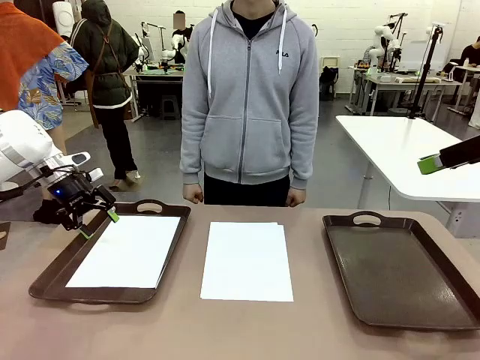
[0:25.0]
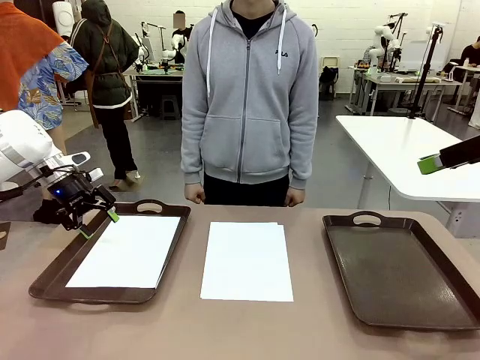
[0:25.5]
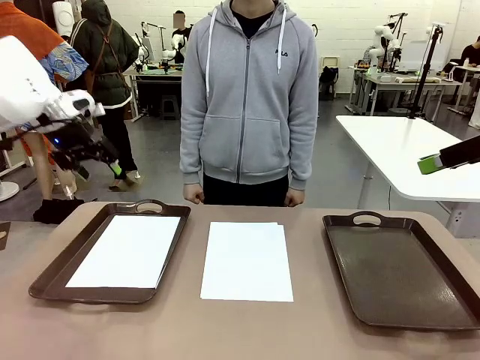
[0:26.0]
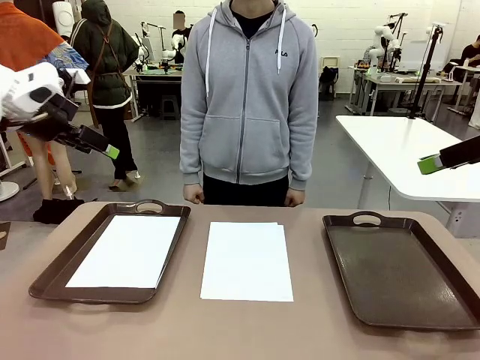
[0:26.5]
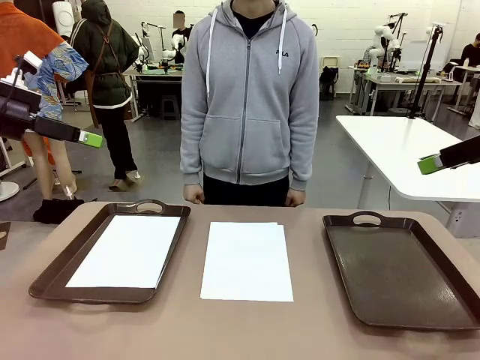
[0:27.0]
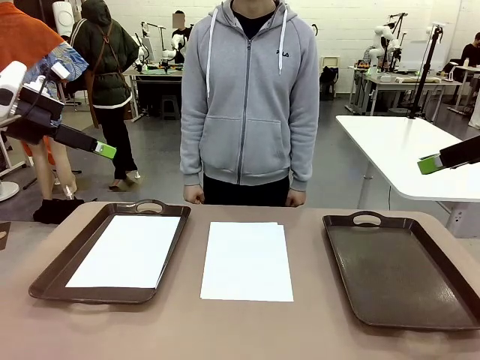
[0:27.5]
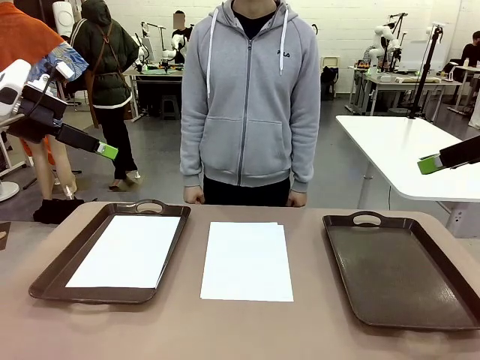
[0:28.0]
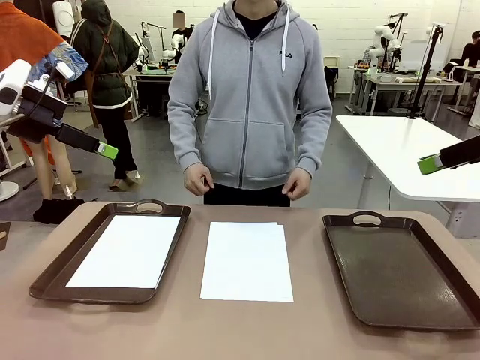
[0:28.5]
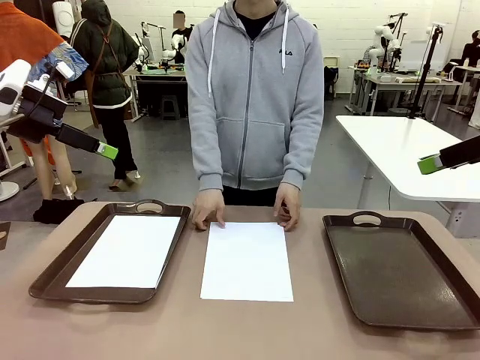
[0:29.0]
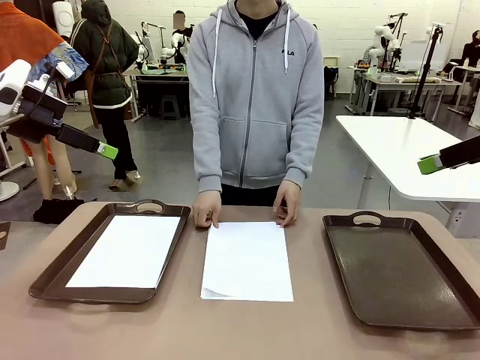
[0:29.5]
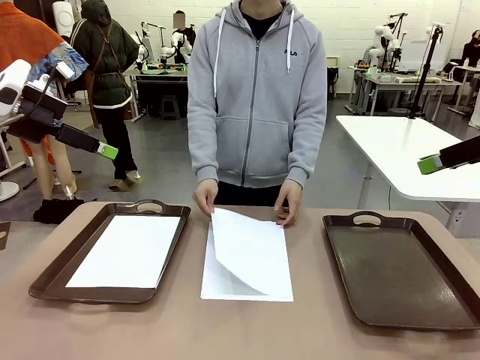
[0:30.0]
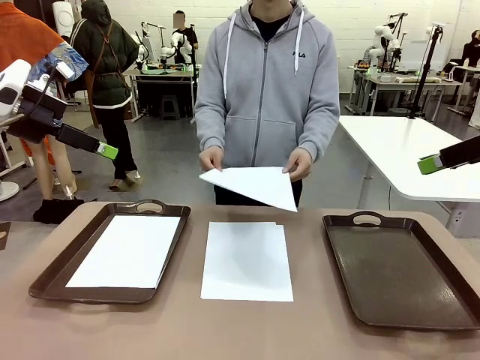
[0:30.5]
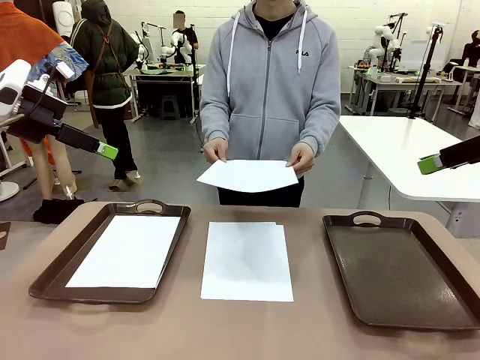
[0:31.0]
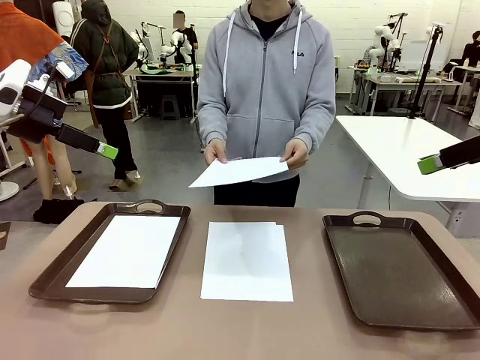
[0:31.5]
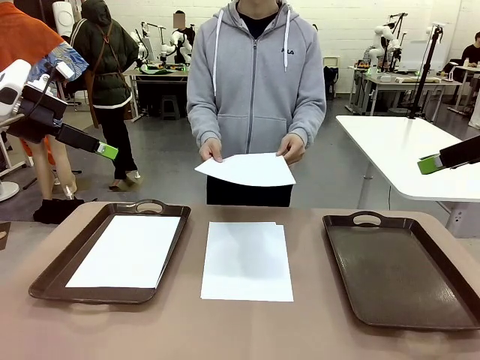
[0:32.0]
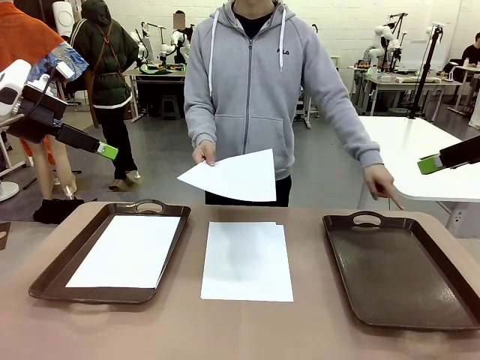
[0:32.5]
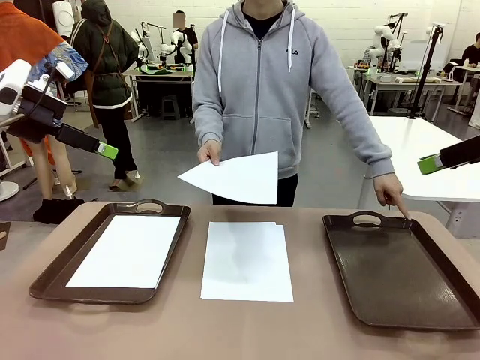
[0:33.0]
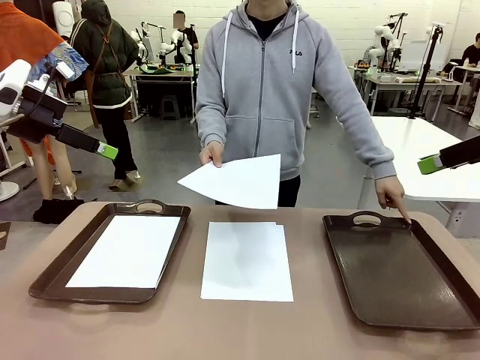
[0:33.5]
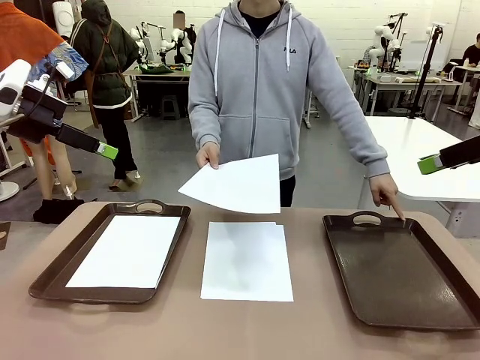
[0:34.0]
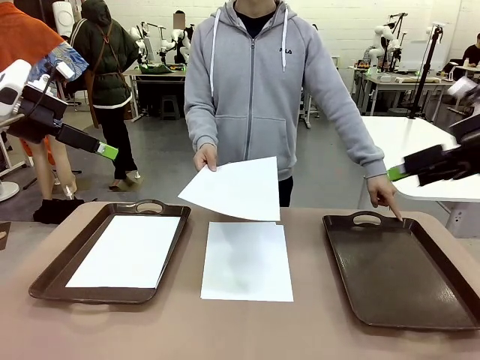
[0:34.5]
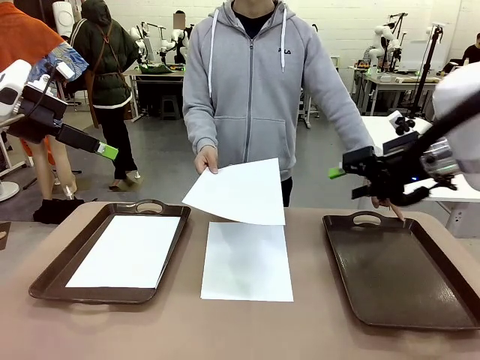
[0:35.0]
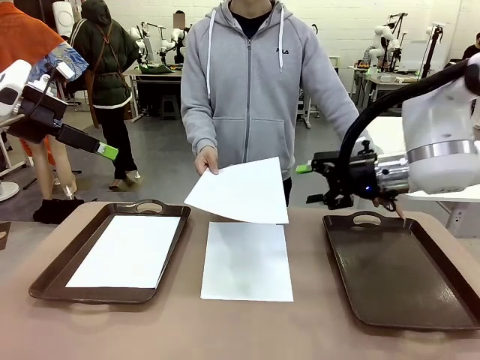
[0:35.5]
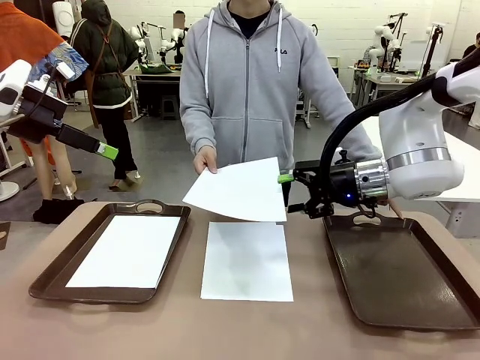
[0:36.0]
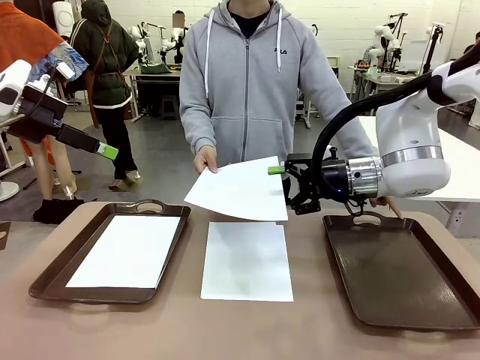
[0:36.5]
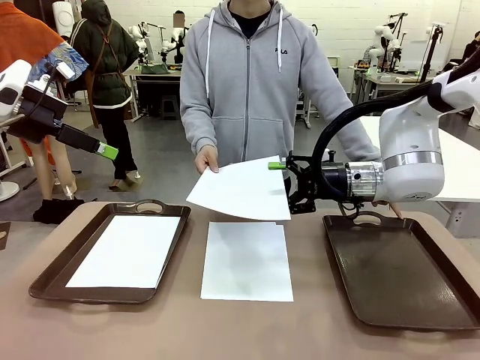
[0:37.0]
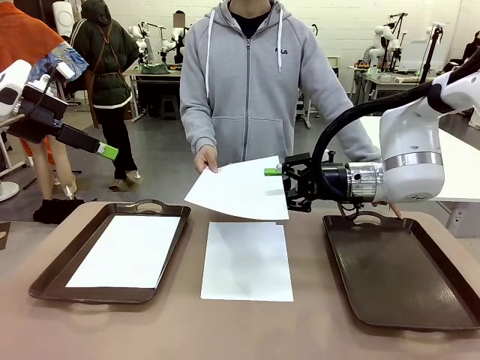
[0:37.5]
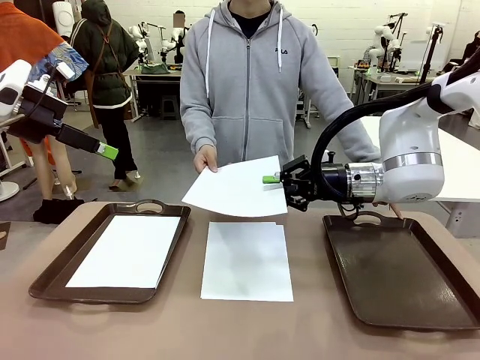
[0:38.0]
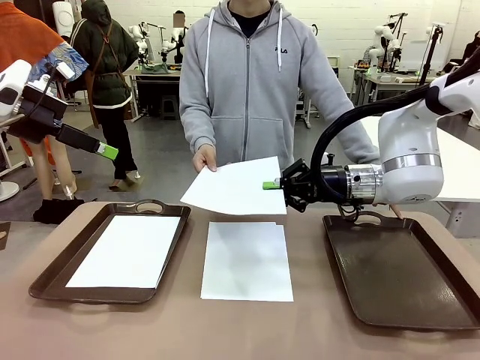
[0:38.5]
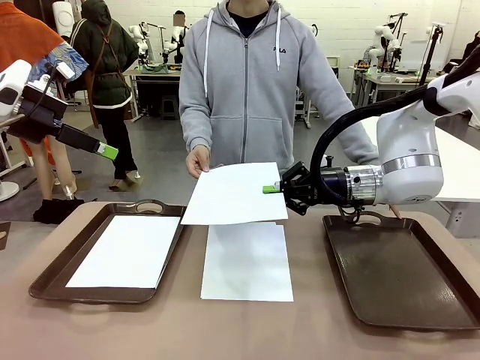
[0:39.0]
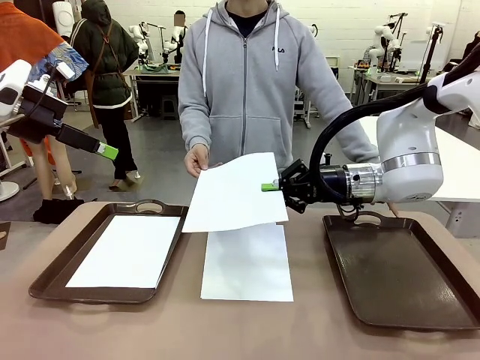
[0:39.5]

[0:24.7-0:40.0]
Task: Sort the A4 documents.
Robot: Receive the A4 Paper.
Person: Point the randomly selected tray with the other hand.

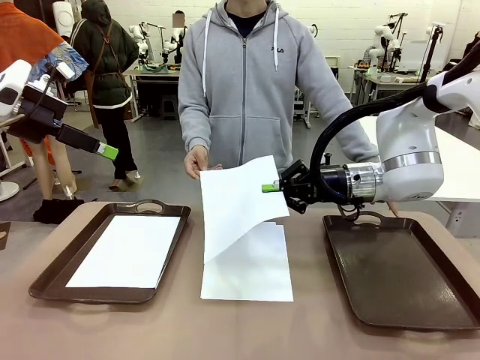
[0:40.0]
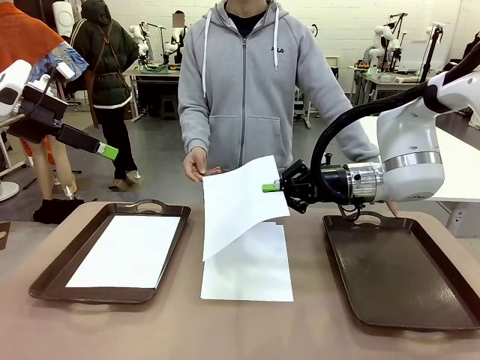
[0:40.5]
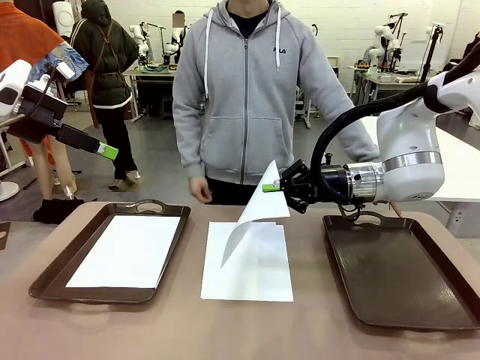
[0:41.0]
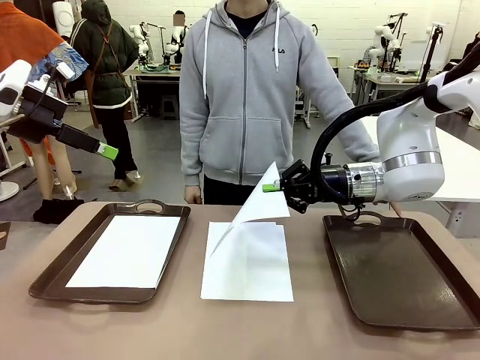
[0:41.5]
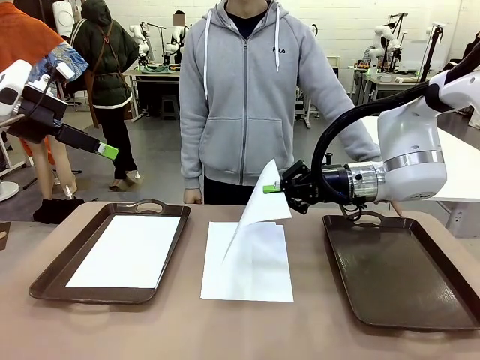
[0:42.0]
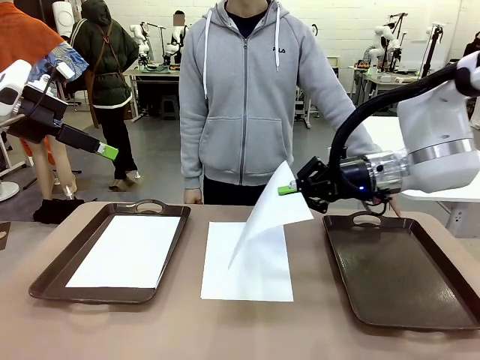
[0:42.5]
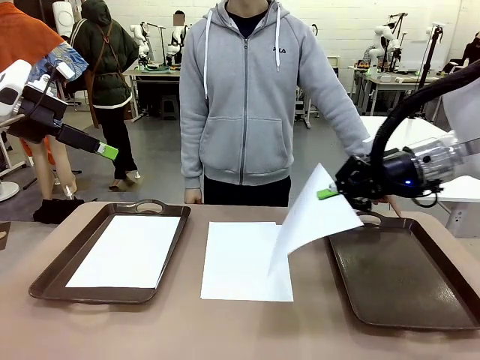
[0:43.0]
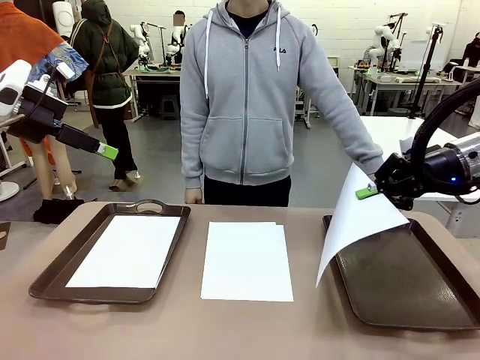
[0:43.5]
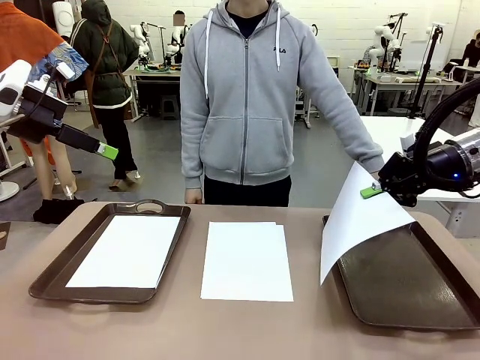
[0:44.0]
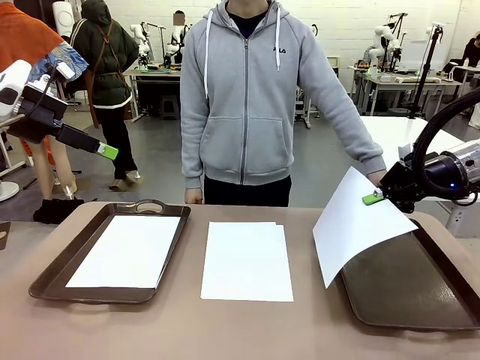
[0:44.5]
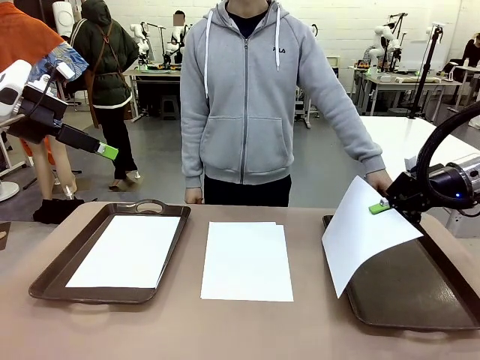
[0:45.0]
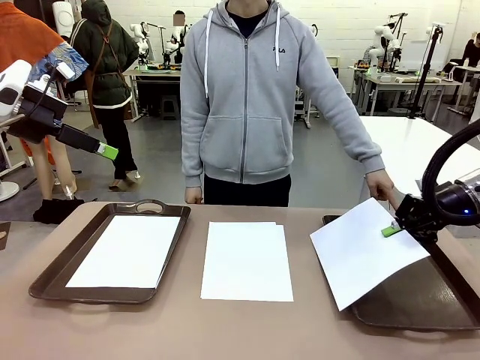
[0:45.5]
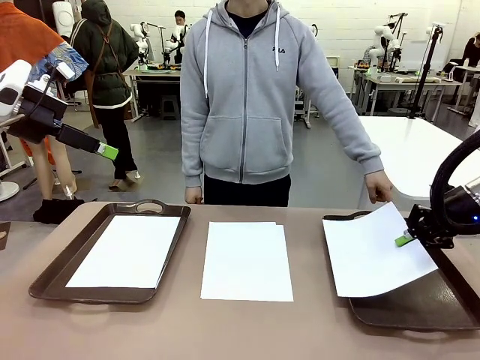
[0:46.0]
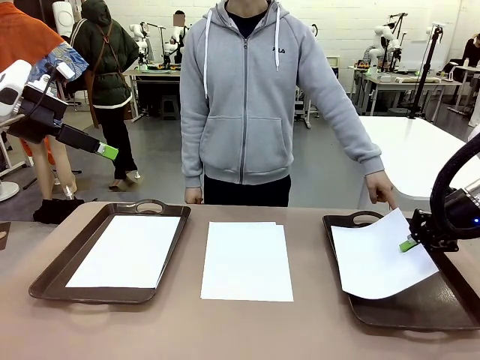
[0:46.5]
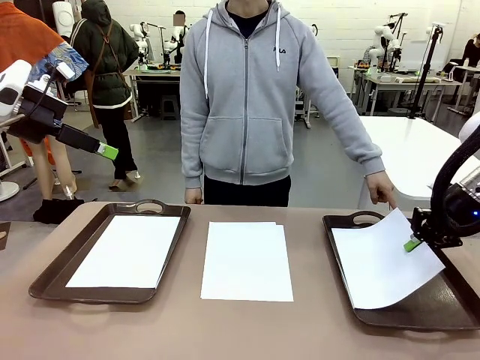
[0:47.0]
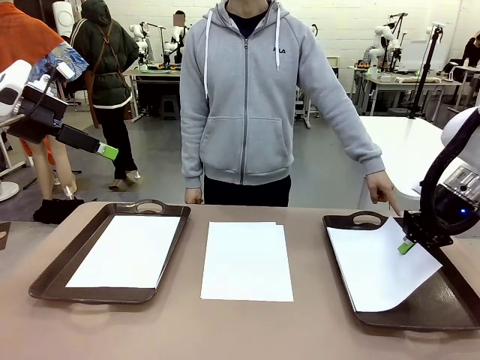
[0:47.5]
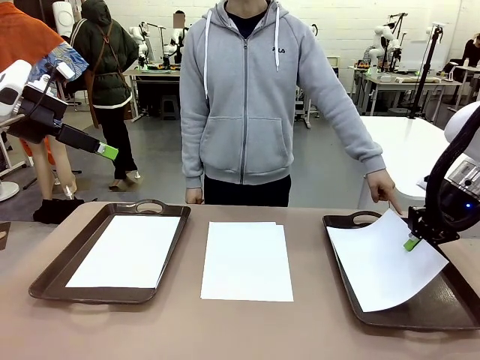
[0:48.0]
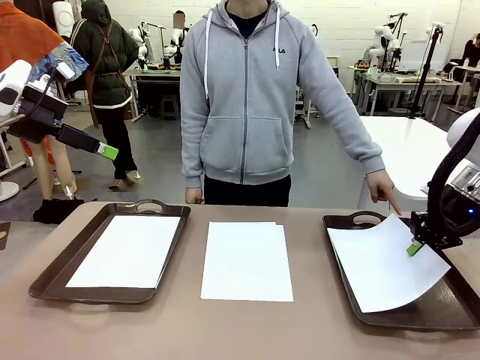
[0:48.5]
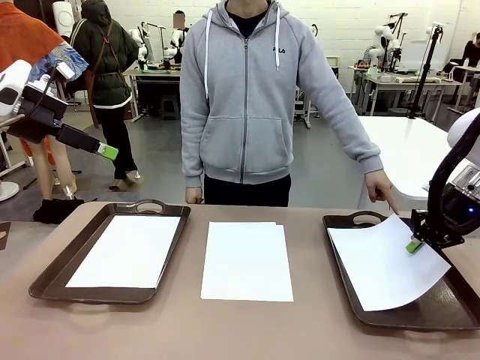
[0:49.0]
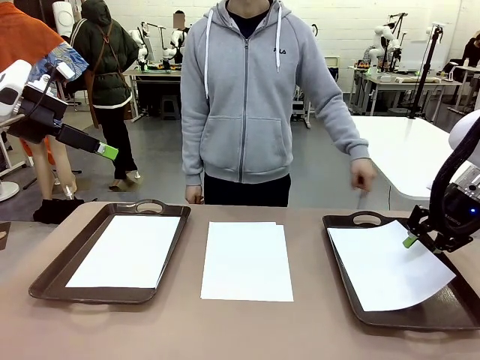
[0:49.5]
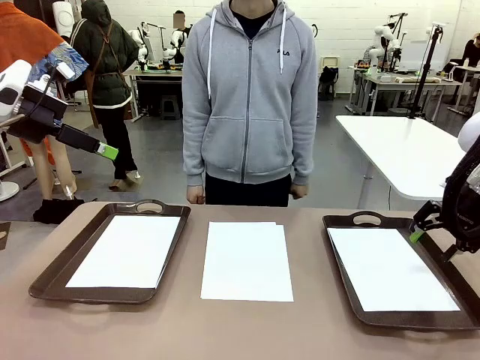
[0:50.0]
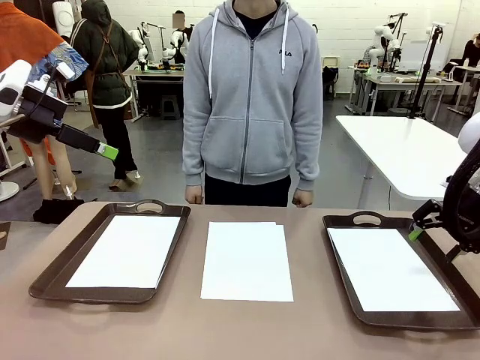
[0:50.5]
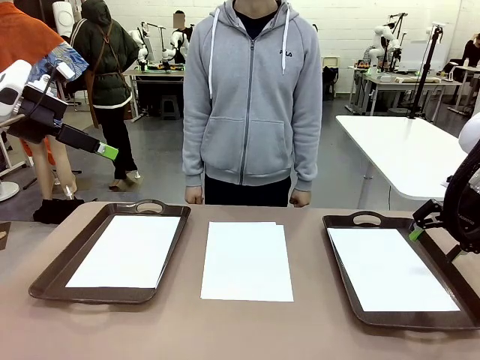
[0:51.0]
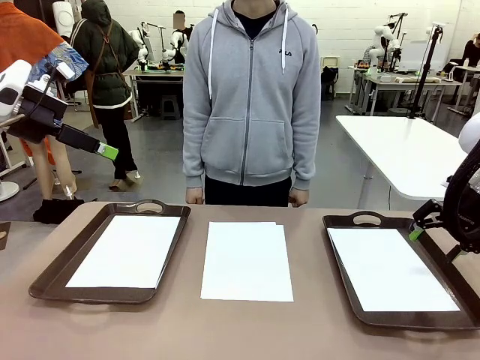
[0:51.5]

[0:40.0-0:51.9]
Robot: Place the A4 Paper in the designated Handle tray.
